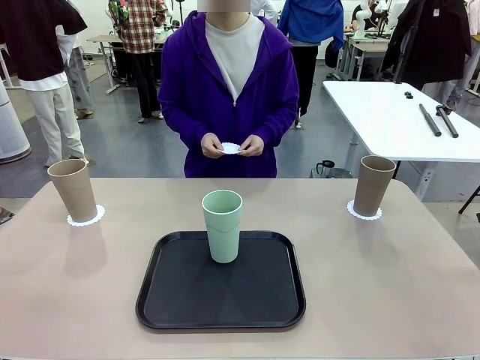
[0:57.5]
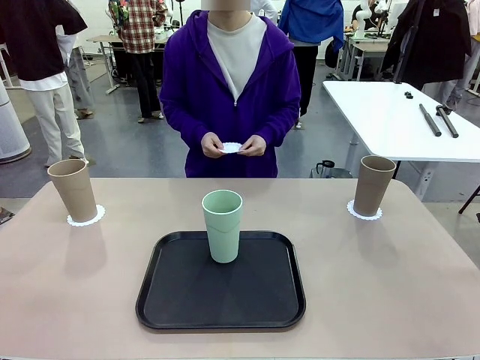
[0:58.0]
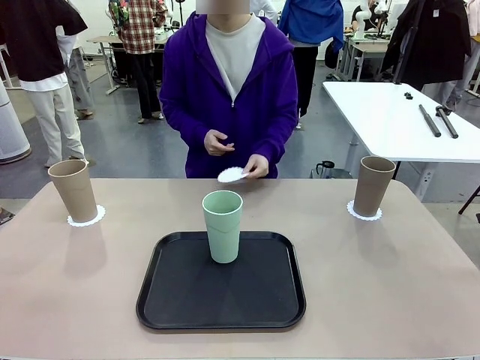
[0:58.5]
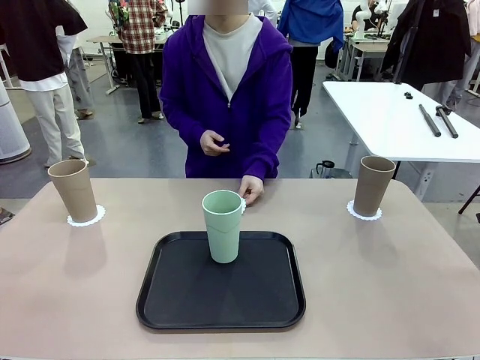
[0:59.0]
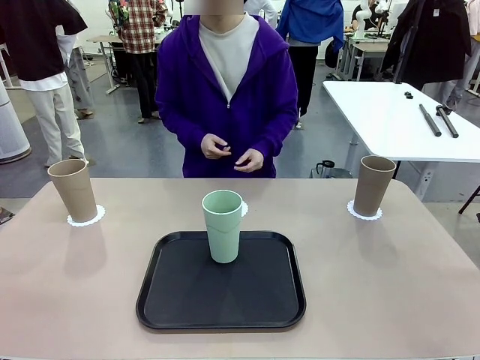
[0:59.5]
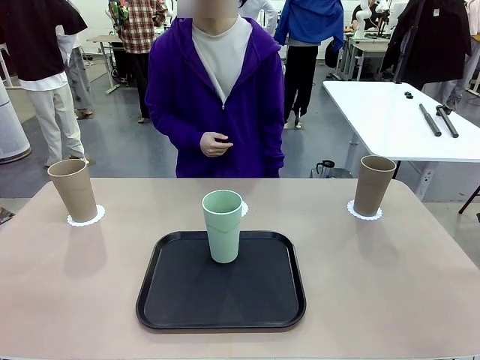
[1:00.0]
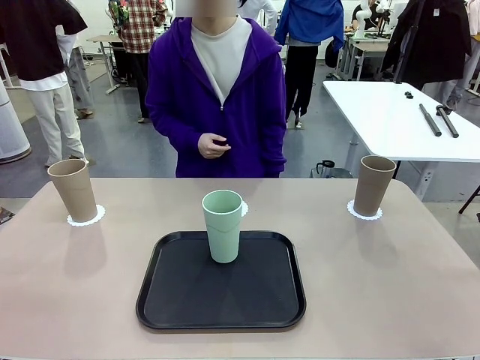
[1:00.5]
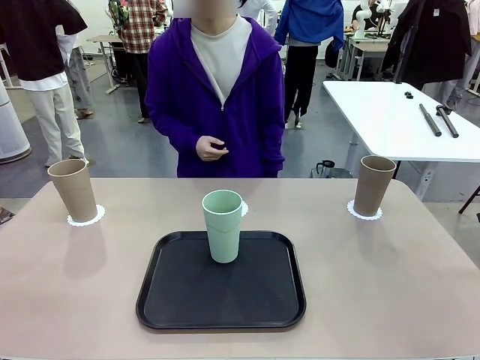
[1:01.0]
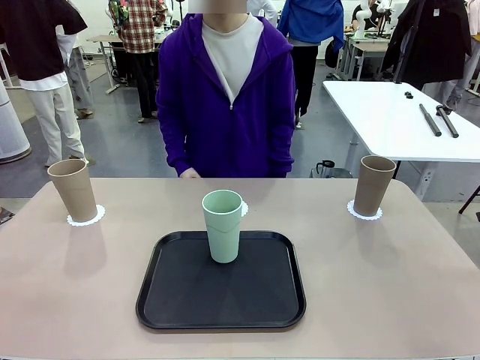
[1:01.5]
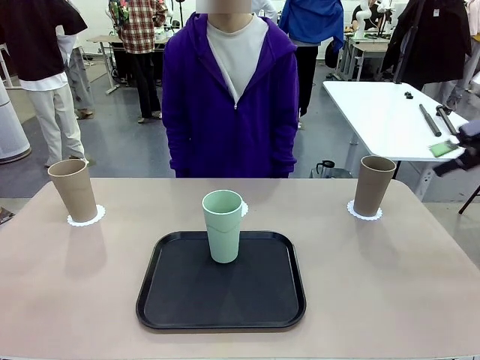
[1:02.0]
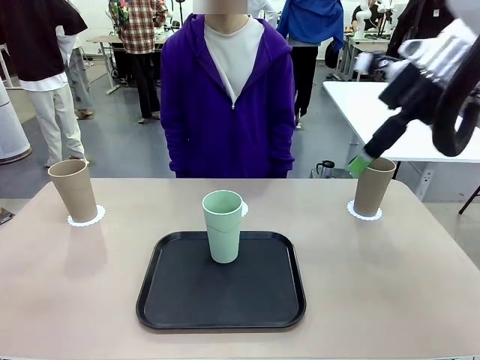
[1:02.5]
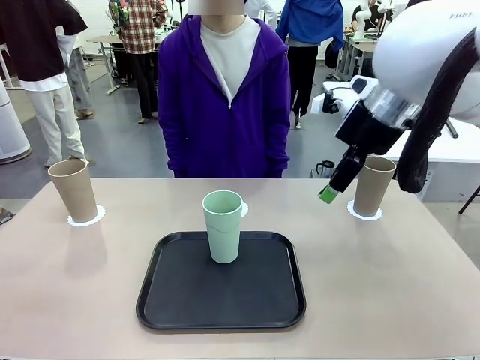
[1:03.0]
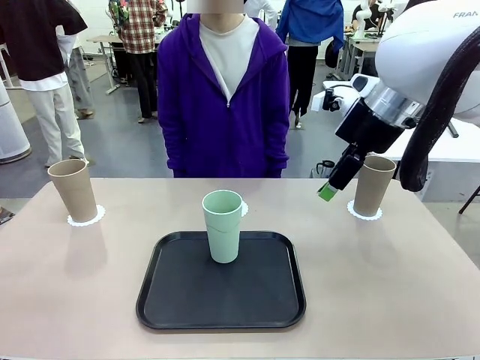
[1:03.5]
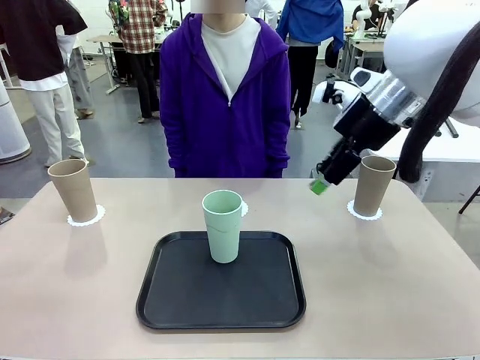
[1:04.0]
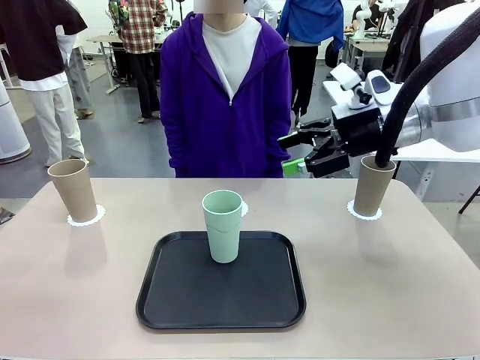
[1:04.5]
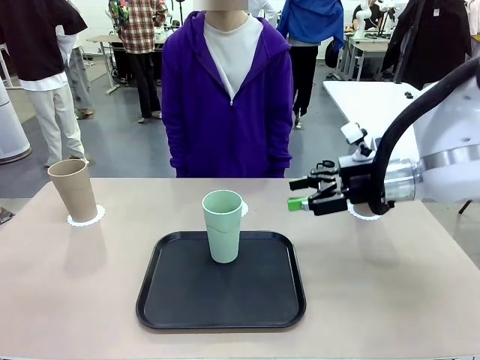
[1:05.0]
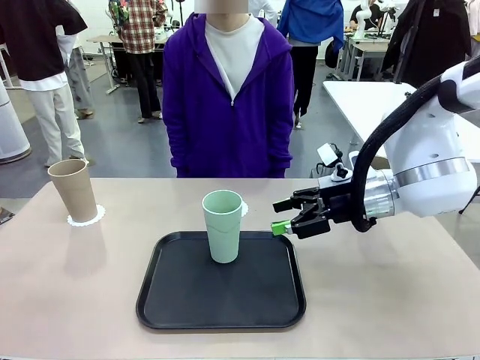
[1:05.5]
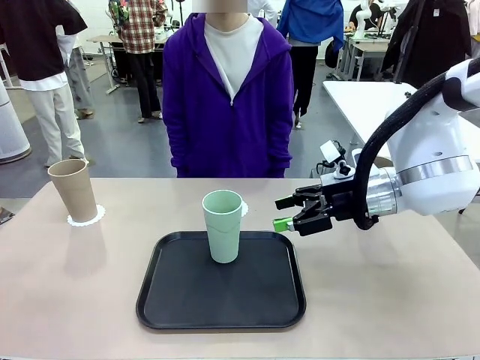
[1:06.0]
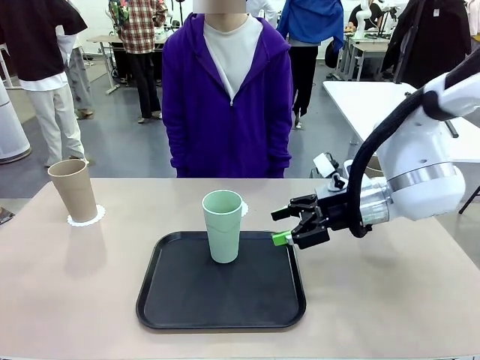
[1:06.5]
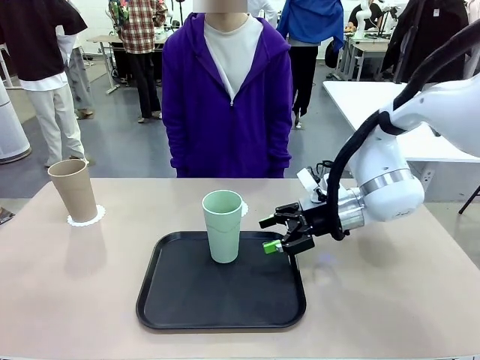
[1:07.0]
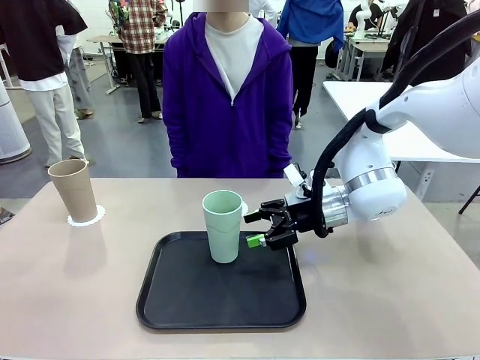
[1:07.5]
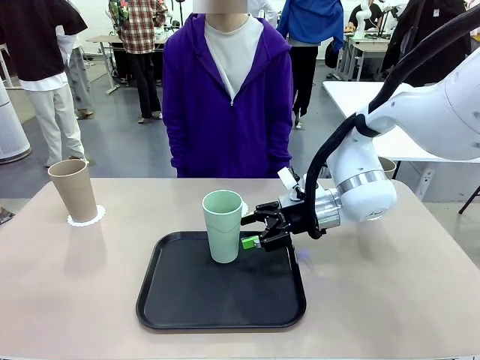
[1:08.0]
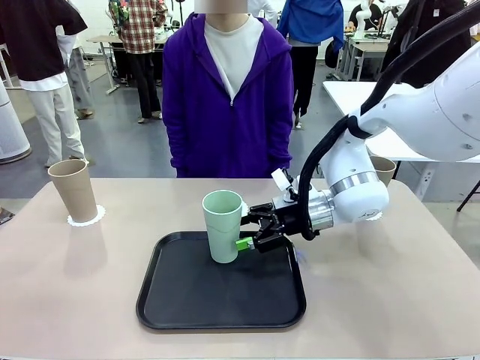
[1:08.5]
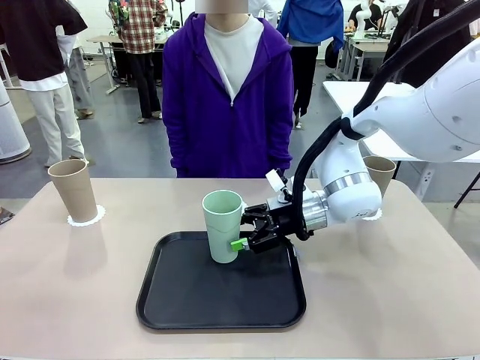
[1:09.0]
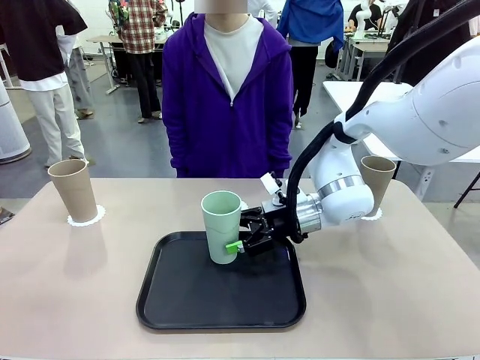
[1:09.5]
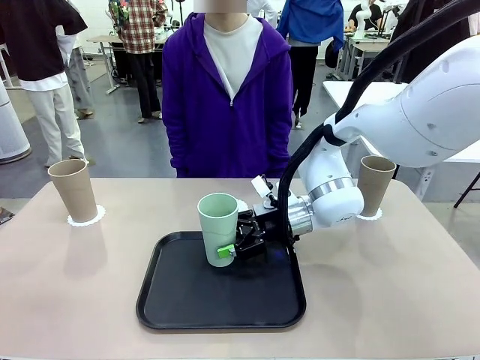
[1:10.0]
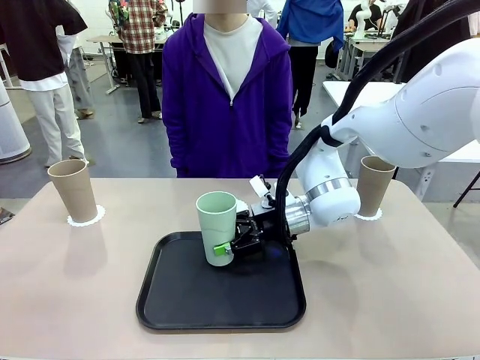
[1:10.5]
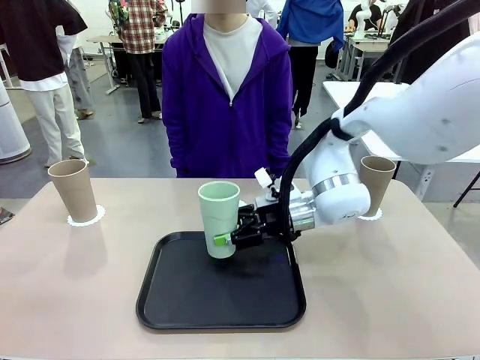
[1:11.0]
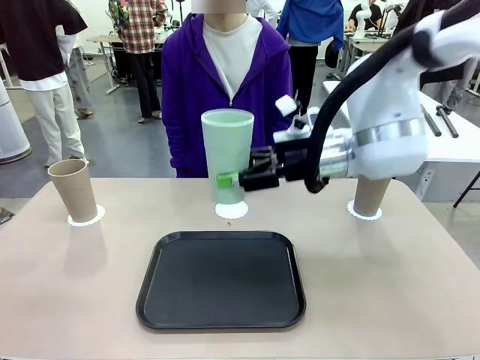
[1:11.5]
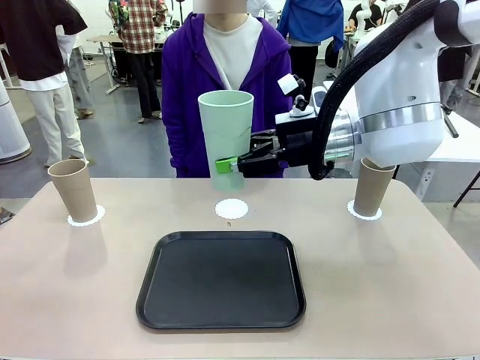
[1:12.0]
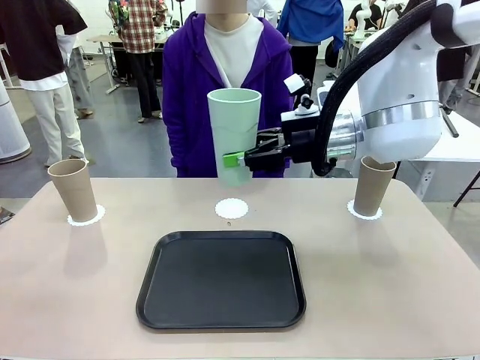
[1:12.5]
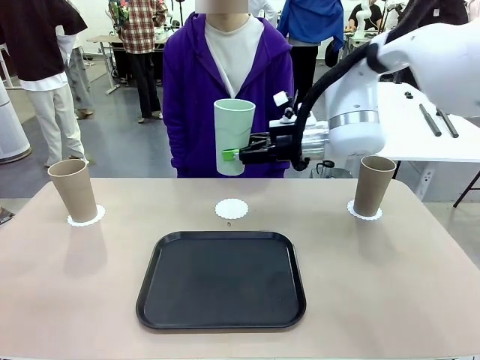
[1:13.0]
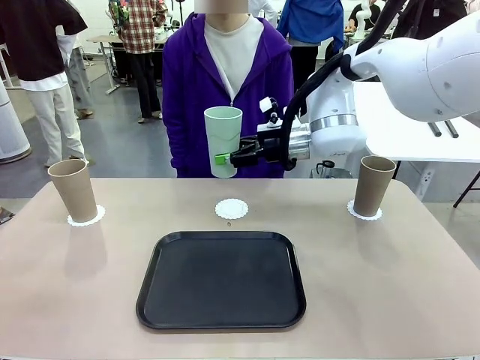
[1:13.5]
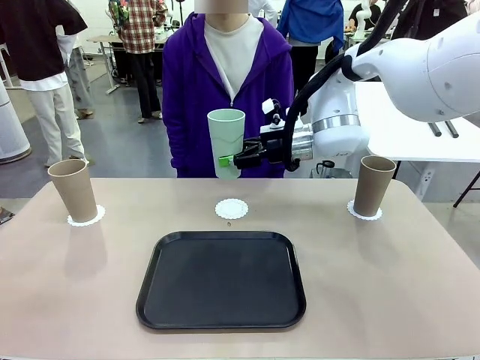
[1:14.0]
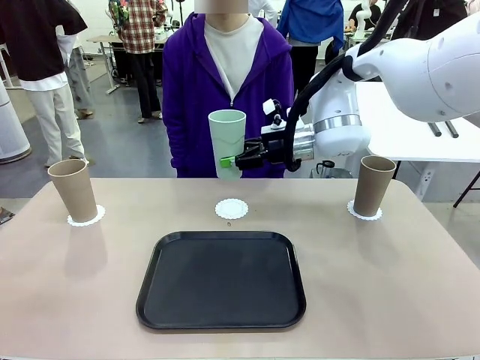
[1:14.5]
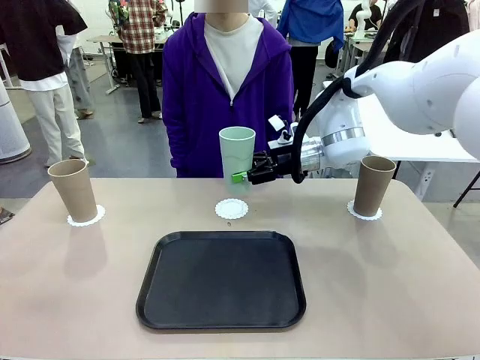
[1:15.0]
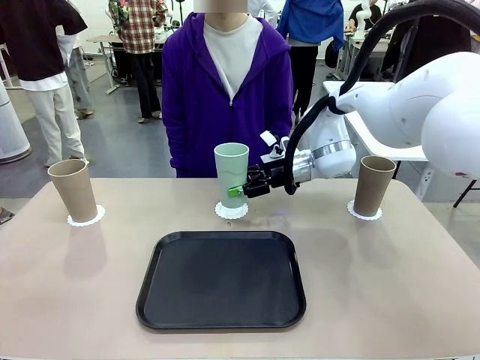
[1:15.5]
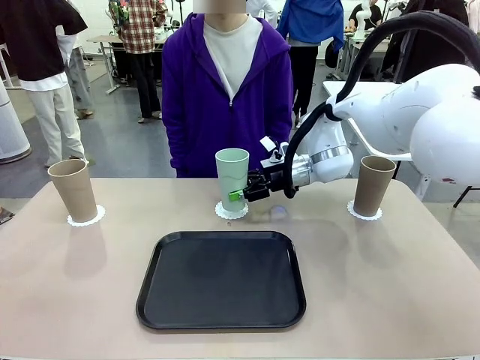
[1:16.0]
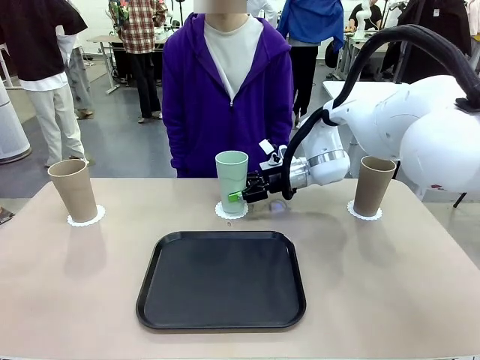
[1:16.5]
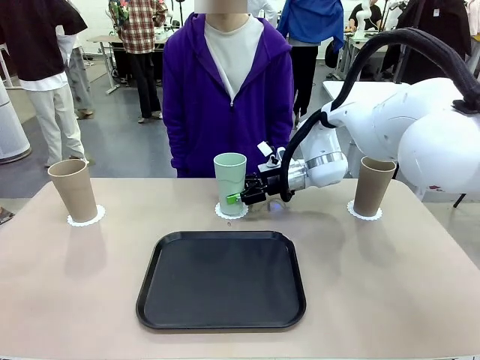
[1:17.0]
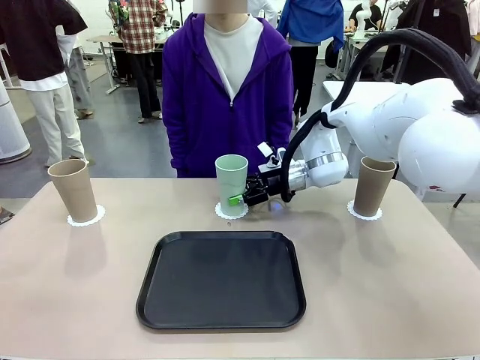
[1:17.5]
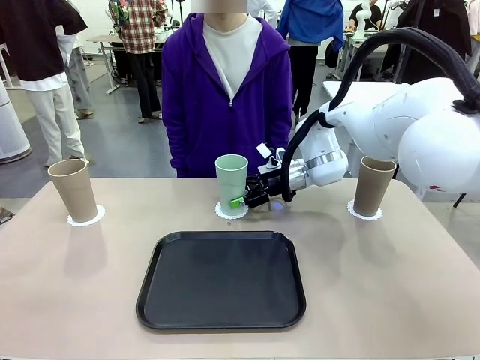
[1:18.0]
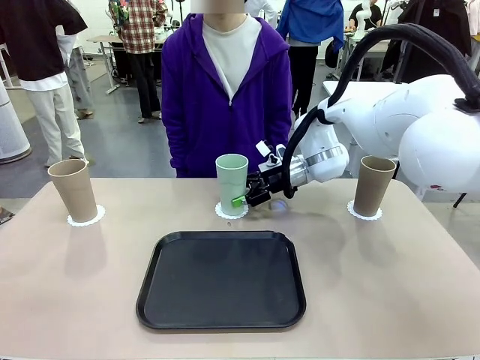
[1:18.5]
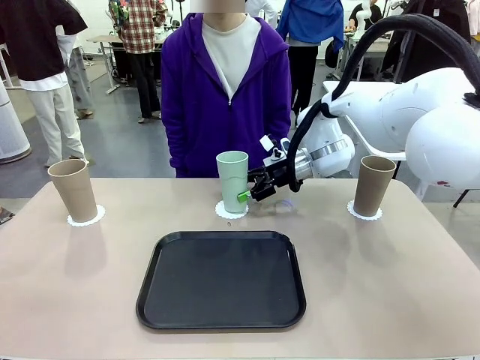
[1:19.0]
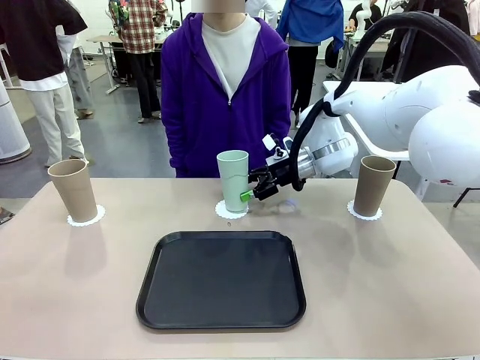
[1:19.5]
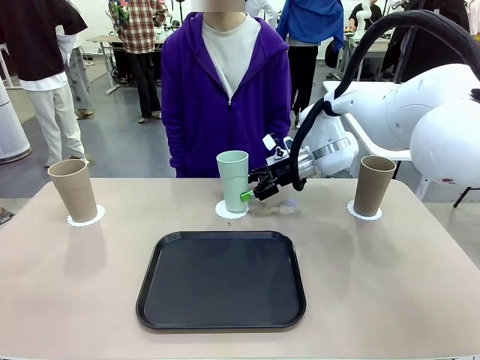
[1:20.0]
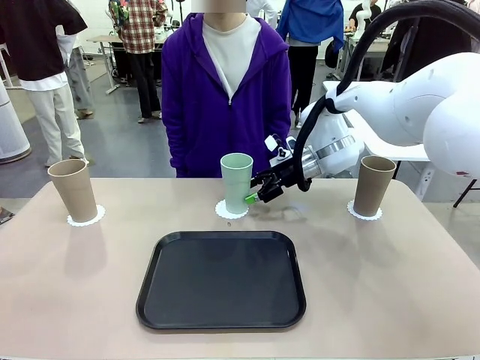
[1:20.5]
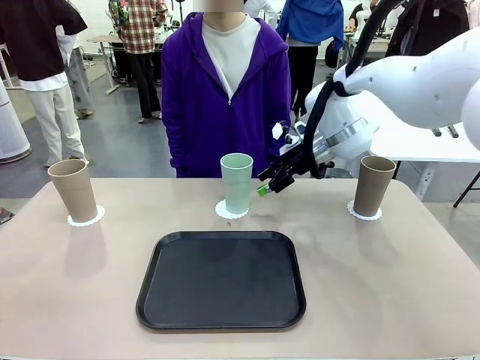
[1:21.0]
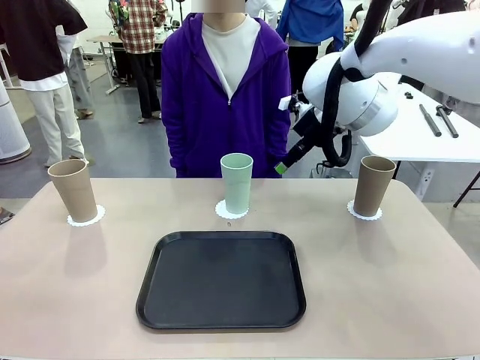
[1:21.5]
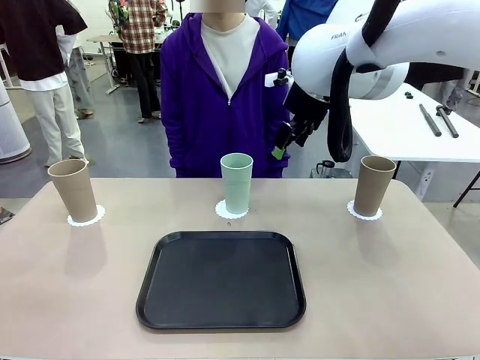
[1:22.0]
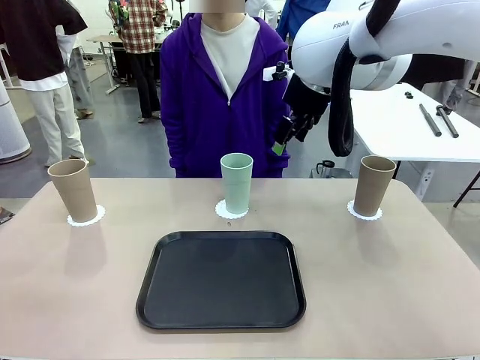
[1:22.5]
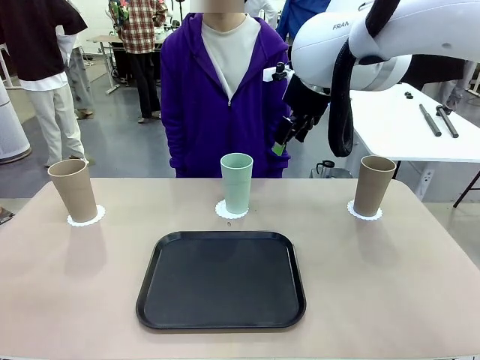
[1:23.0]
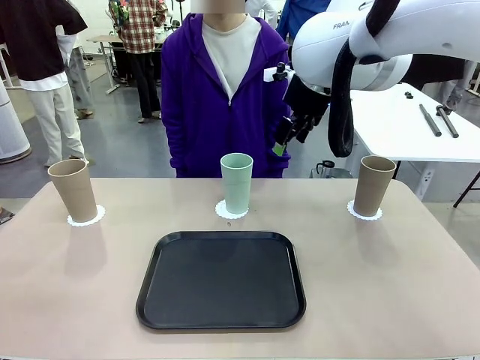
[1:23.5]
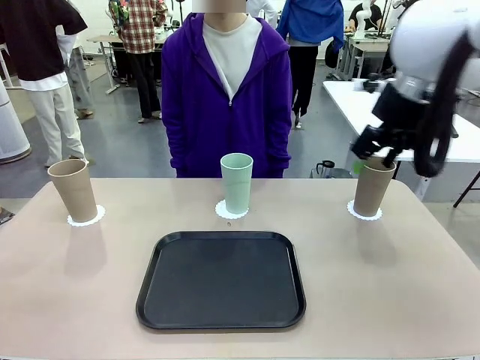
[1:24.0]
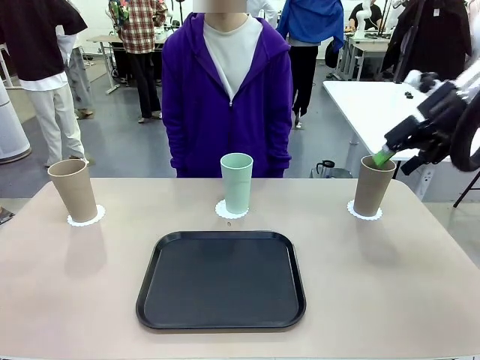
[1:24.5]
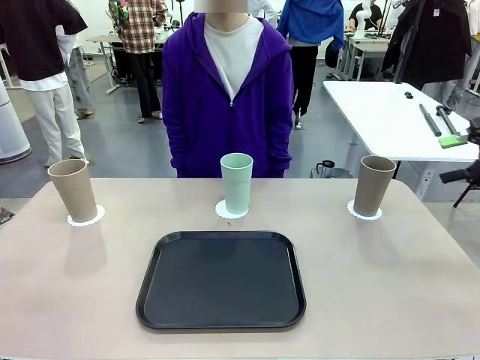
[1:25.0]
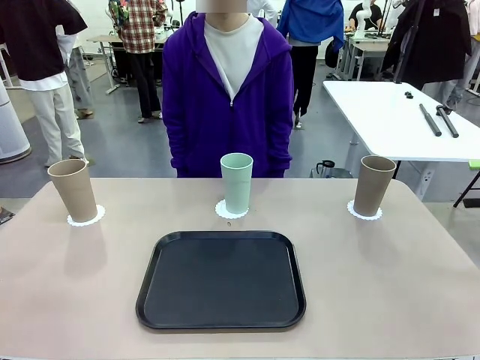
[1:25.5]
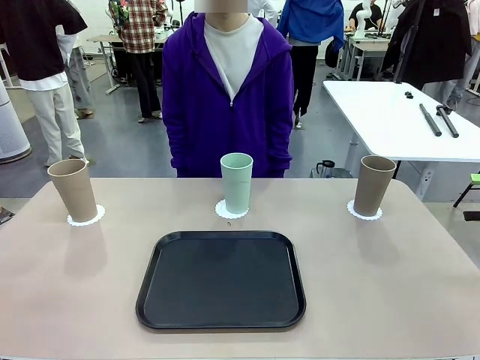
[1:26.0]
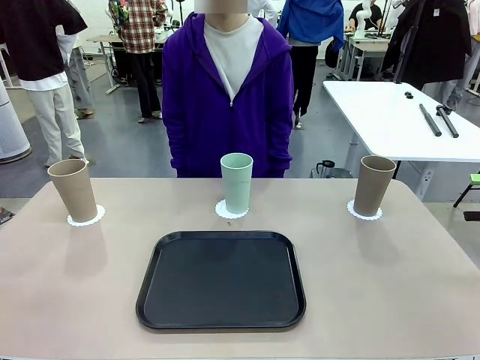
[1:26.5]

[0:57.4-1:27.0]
Task: Place coasters on the table and set cups on them.
Robot: Take one Reusable plastic cup from the Flat Tray and place it on a coaster set by the human.
Person: Place one coaster in the only remaining area.
